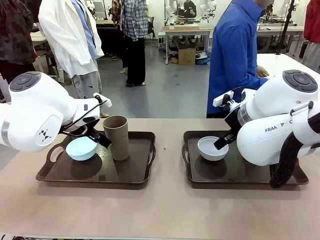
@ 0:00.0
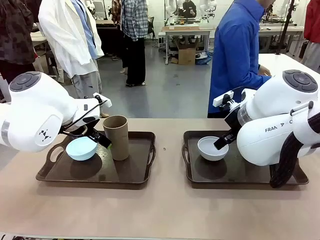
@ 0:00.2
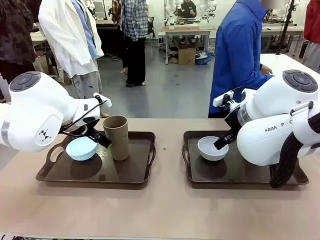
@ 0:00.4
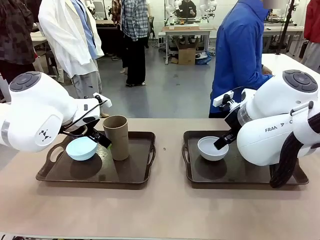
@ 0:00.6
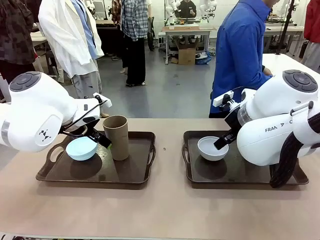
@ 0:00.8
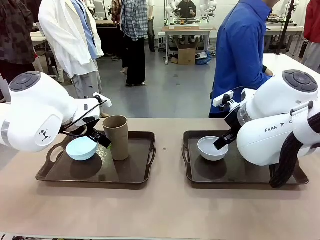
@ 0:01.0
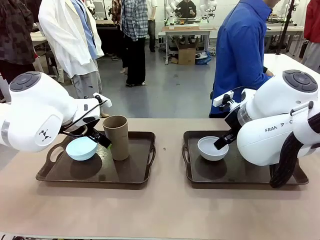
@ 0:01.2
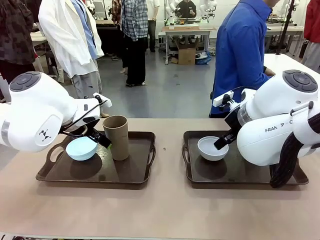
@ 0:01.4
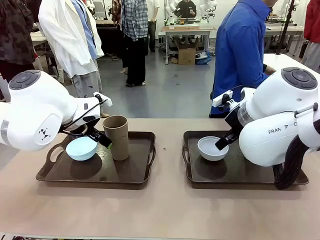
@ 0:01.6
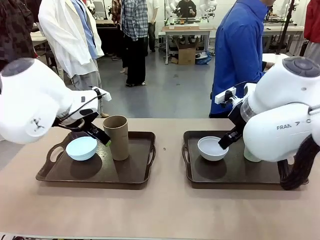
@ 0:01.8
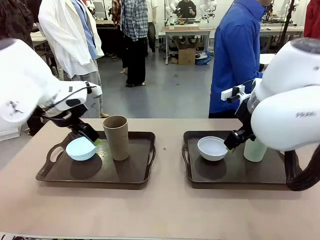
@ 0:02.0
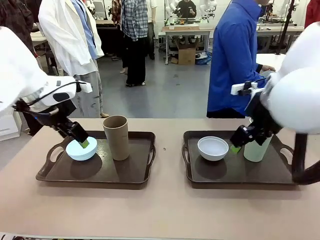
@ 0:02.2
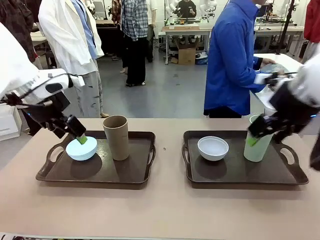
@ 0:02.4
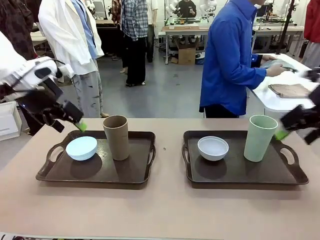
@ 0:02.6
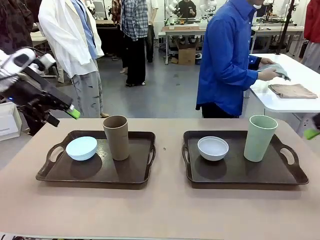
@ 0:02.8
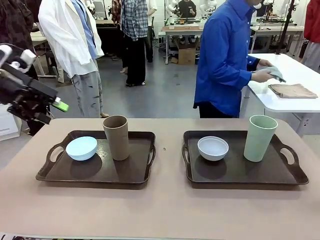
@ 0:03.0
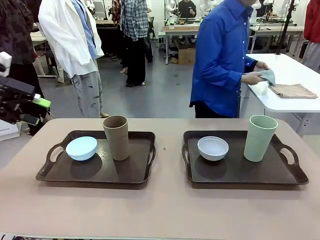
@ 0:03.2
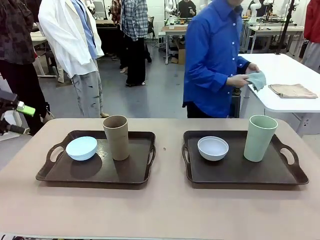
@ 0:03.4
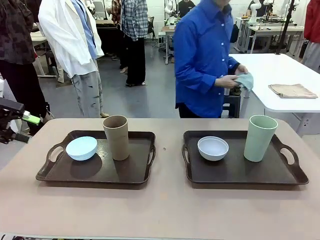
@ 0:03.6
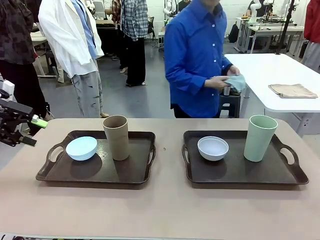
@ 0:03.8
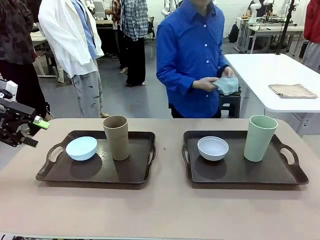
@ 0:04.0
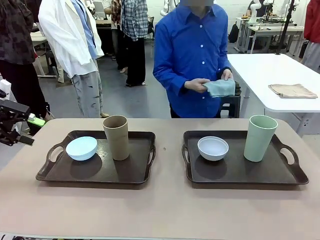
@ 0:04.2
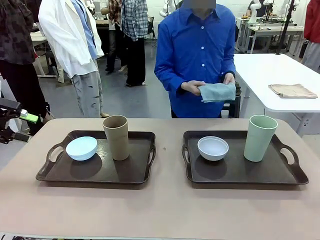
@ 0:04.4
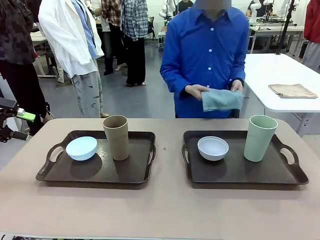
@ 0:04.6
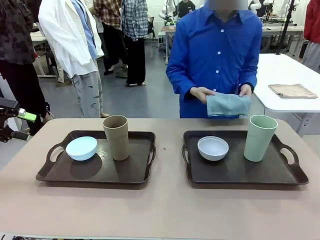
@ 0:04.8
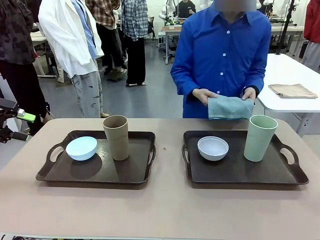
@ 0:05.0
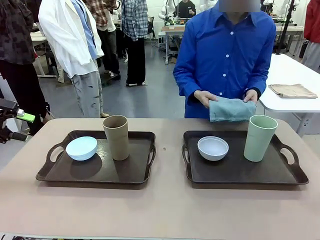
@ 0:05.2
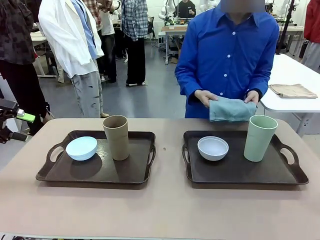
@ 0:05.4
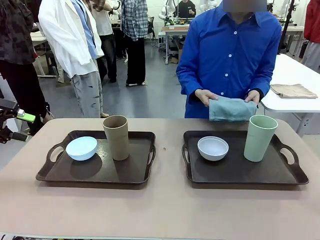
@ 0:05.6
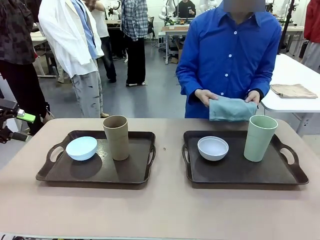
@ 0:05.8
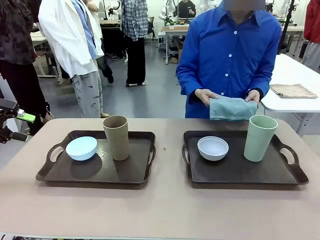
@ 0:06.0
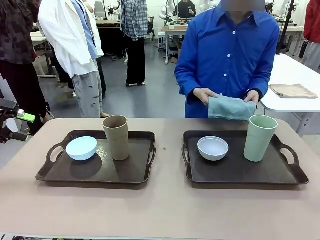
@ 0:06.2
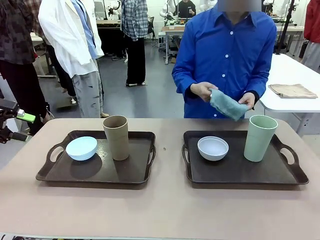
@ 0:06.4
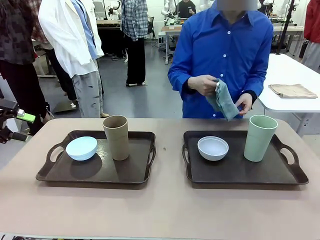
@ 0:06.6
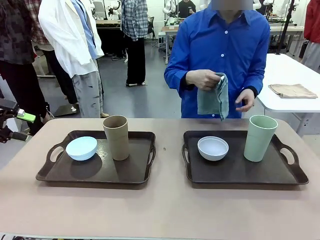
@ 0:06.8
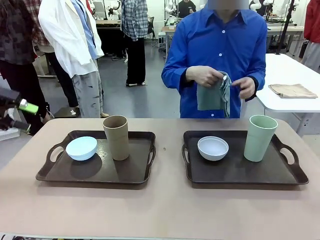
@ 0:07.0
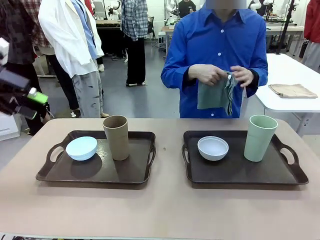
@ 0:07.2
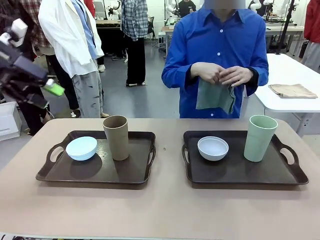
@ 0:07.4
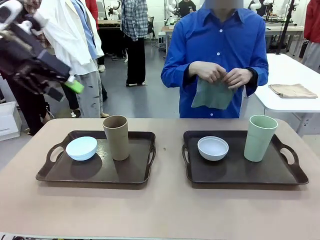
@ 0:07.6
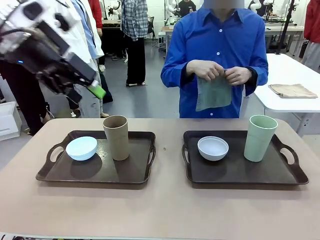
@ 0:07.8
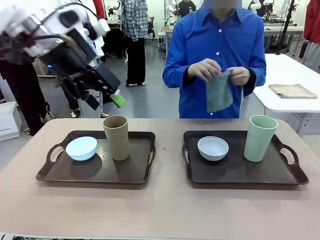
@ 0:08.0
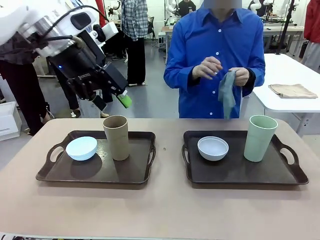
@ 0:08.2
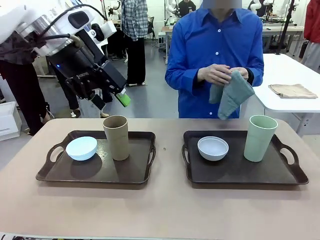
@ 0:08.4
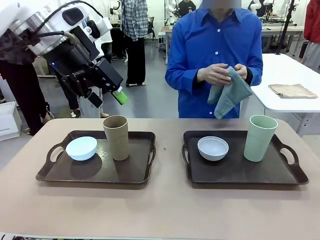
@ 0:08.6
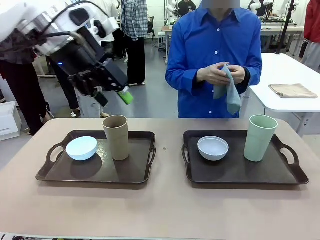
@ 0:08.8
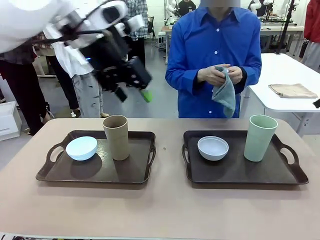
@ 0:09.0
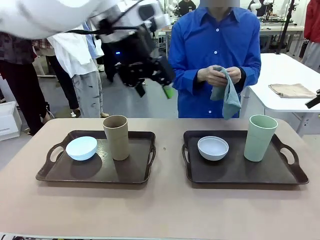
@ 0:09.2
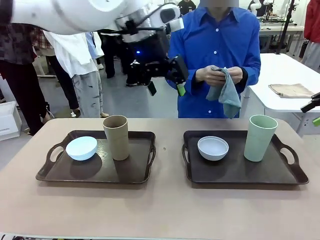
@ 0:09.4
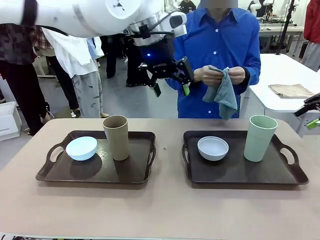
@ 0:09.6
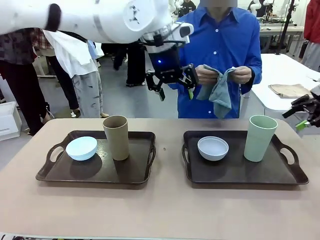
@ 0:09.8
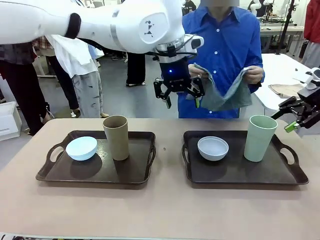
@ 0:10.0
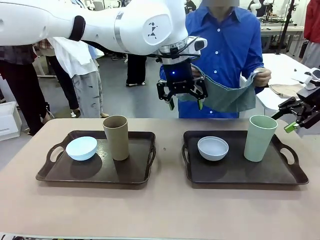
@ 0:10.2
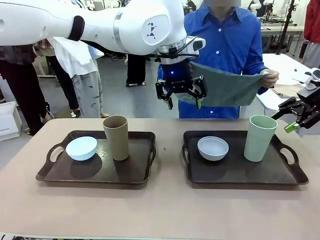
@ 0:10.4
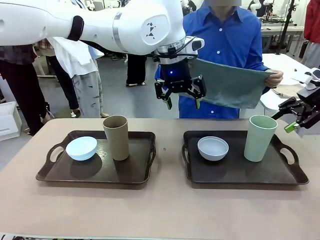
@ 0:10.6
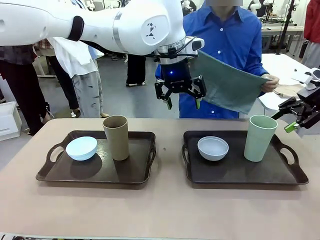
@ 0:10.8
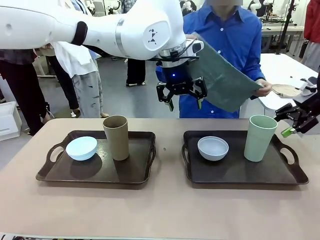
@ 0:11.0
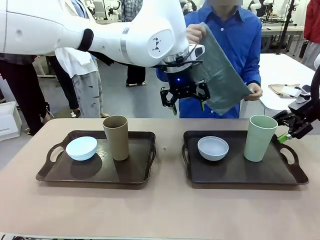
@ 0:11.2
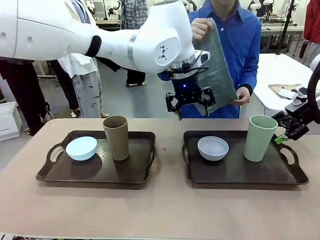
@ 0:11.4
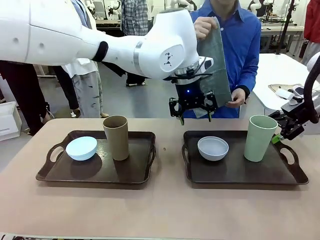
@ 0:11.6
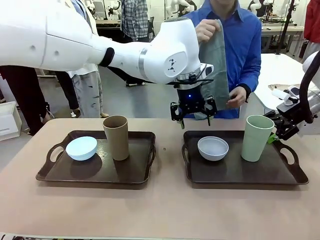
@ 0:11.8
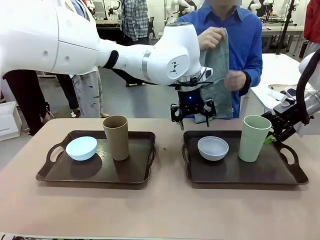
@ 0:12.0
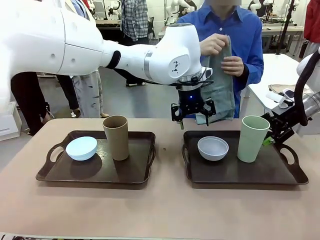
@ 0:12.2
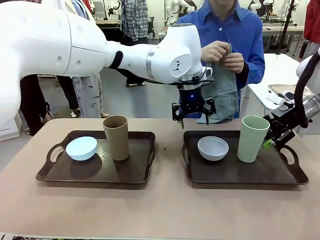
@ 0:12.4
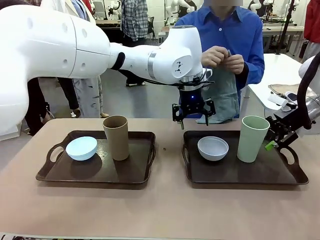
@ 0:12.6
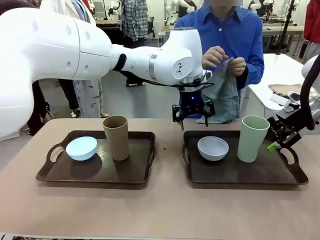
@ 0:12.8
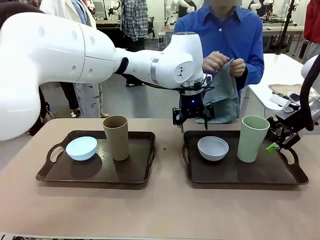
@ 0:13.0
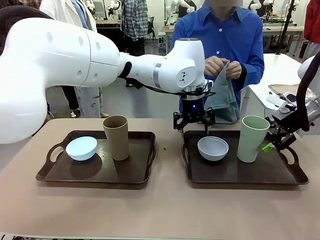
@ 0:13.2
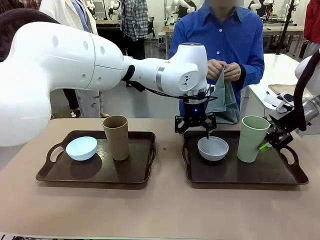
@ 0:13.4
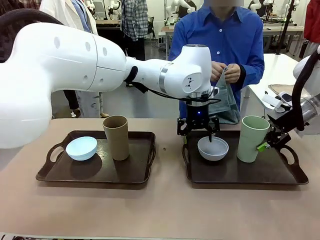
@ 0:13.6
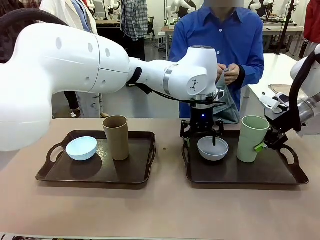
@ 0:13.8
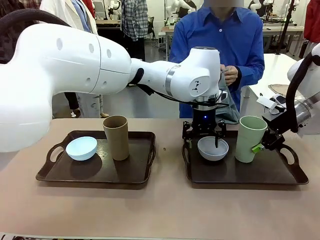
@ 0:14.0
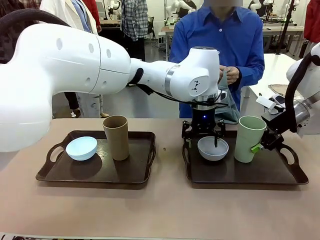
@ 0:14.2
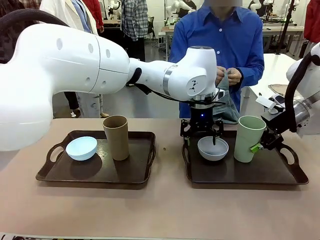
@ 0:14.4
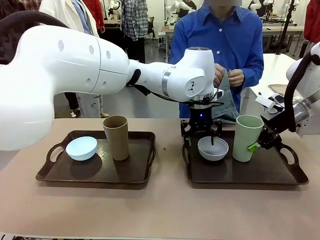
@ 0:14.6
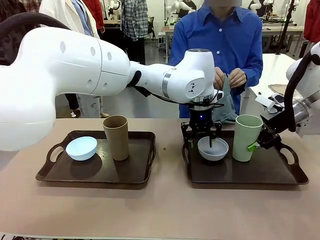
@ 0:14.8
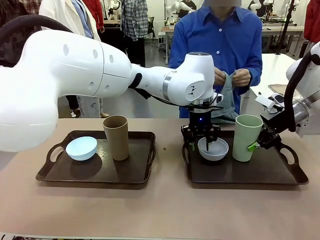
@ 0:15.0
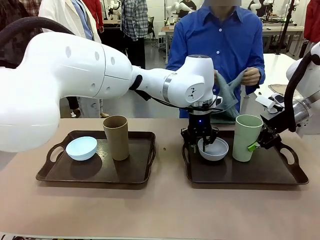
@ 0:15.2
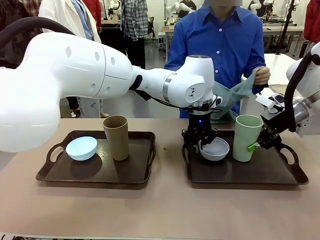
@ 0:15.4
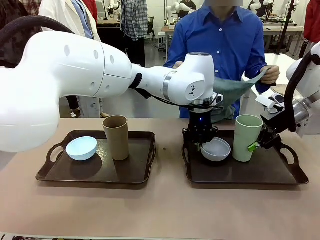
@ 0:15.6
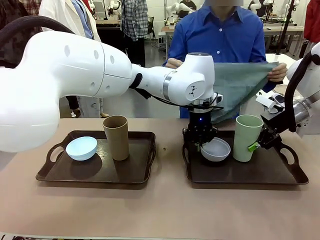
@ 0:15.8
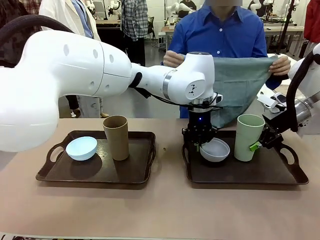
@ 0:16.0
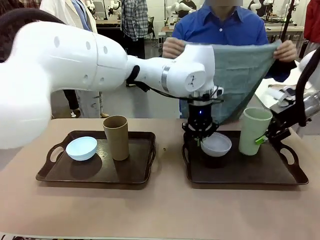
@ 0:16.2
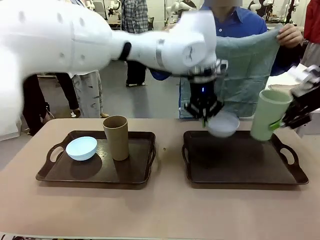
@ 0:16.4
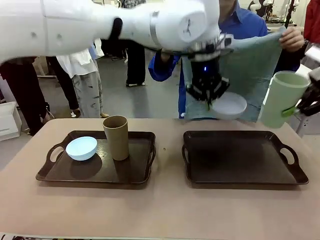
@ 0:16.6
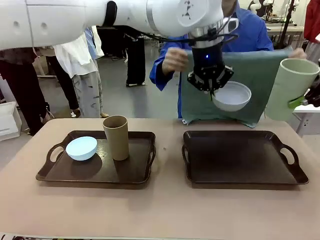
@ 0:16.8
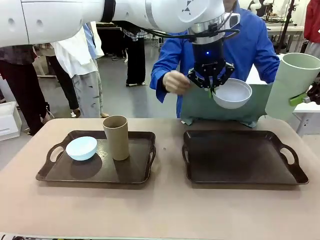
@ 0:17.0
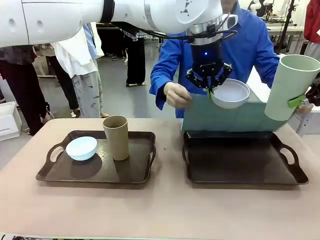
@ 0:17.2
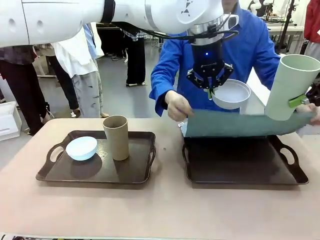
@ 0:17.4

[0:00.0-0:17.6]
Robot: Pick up the Picnic Bowl and Reusable plastic cup from the Handle tray in front of the human's position and hold them in the air.
Person: The human picks up the top napkin from the stack on the human table and walks to the robot table to stand in front of one of the two trays. When the robot lifts the bowl and the cup, the human unfolds the napkin and lays the napkin flat on the tray.
